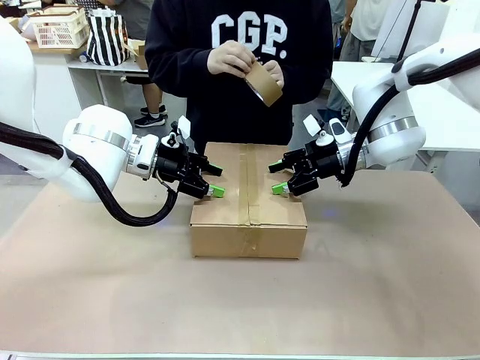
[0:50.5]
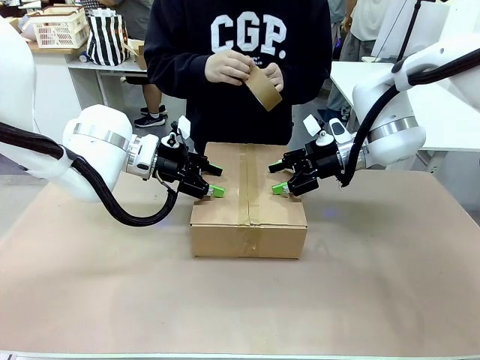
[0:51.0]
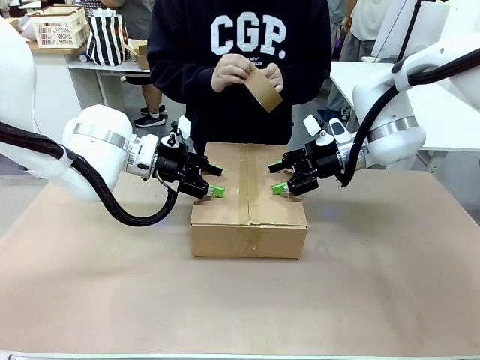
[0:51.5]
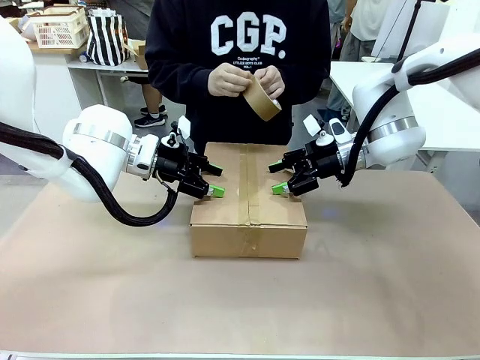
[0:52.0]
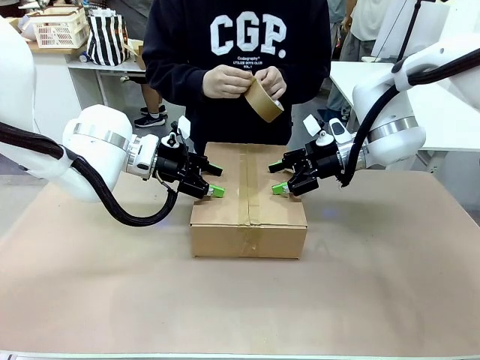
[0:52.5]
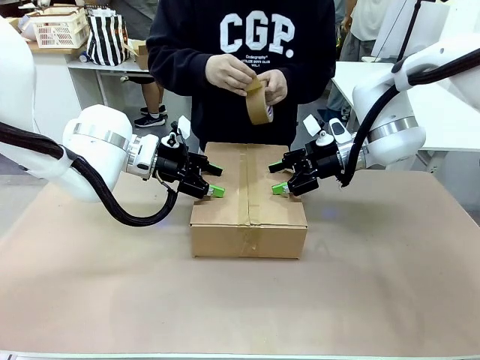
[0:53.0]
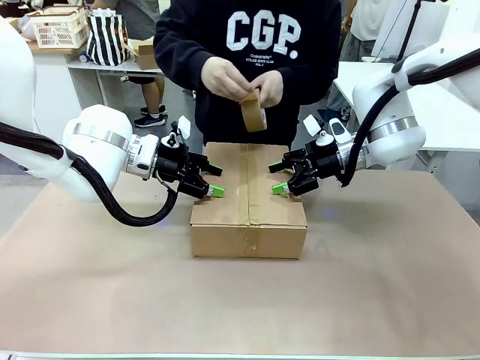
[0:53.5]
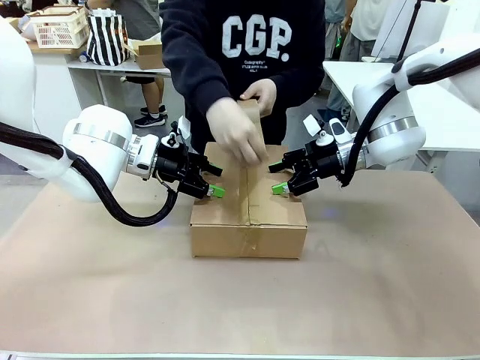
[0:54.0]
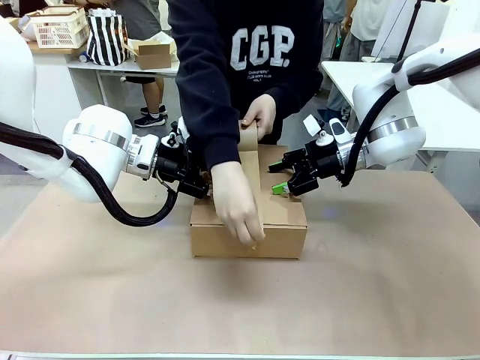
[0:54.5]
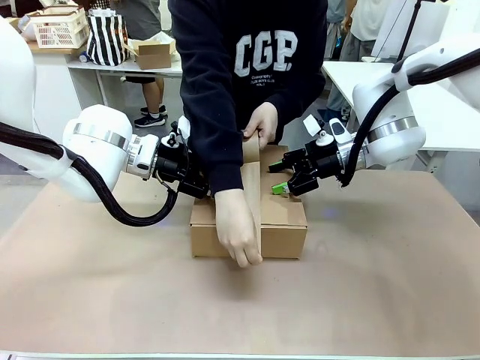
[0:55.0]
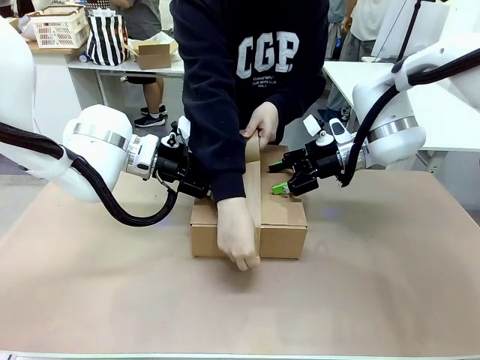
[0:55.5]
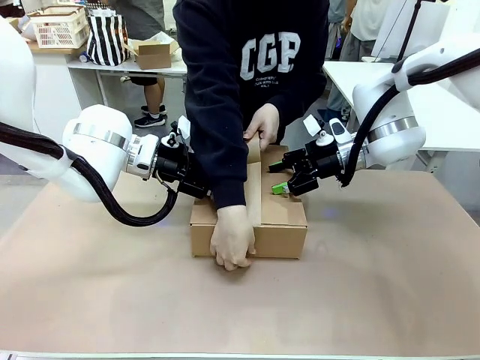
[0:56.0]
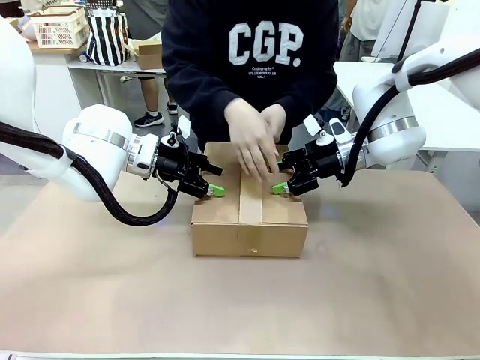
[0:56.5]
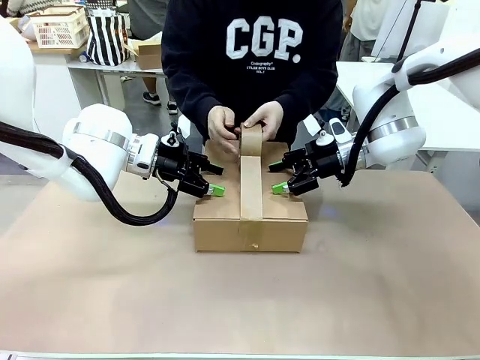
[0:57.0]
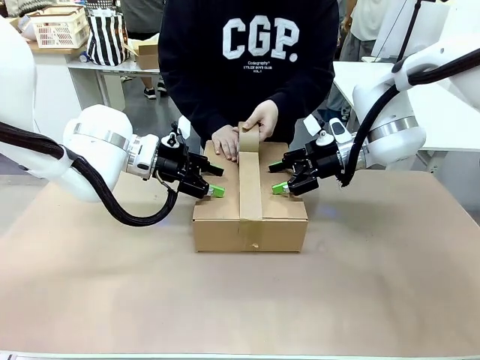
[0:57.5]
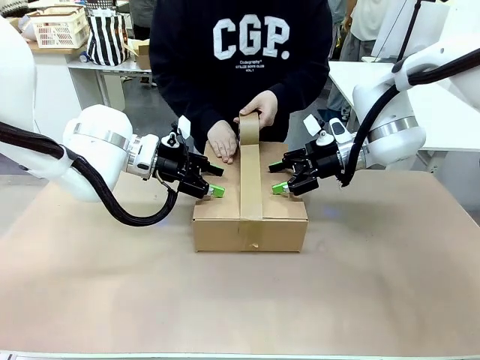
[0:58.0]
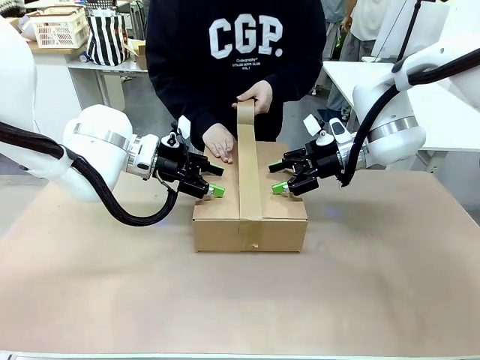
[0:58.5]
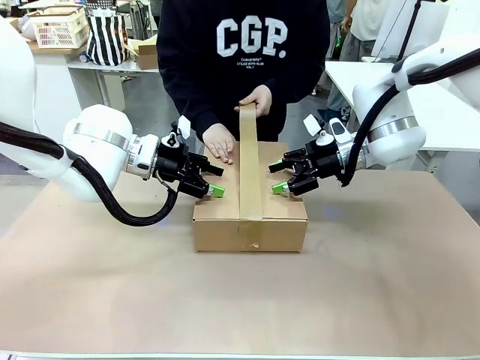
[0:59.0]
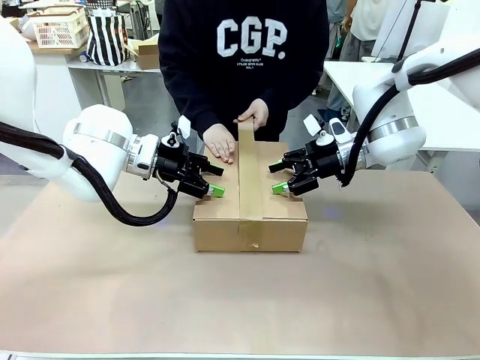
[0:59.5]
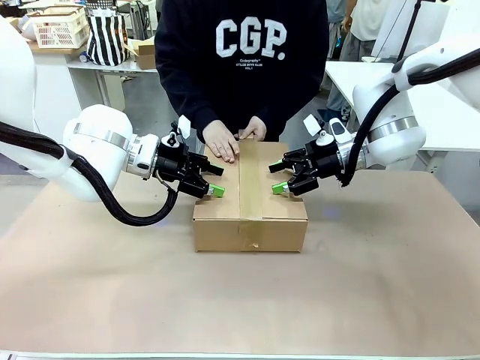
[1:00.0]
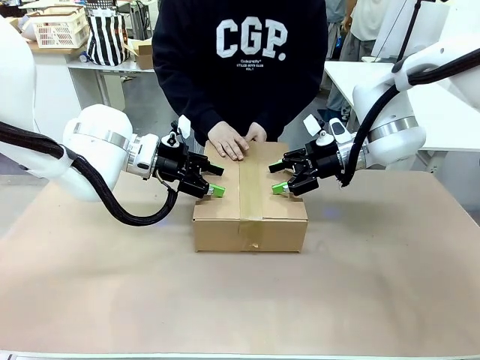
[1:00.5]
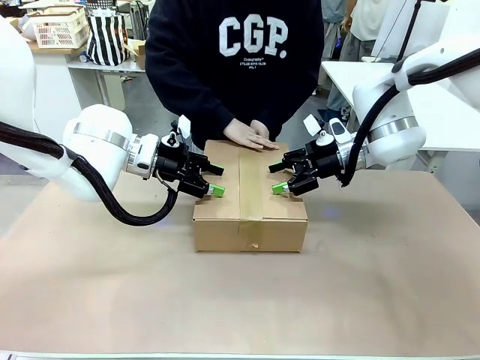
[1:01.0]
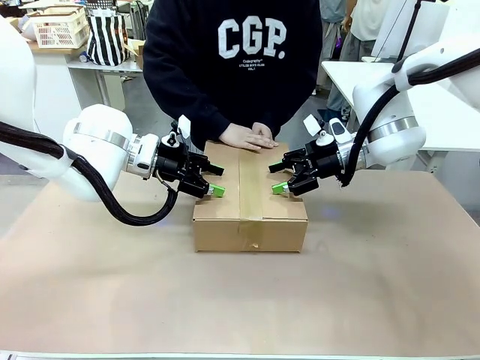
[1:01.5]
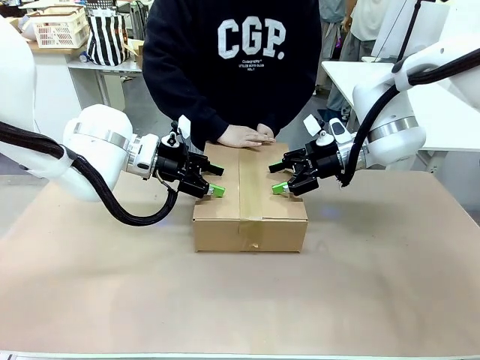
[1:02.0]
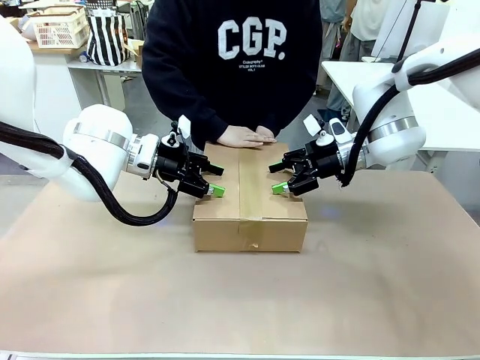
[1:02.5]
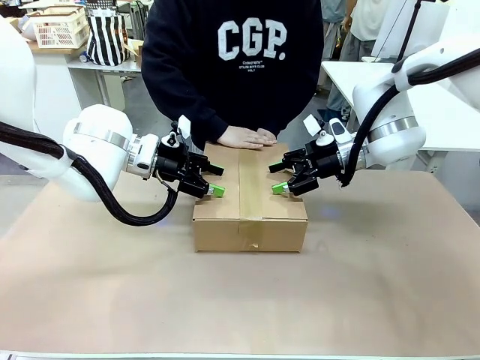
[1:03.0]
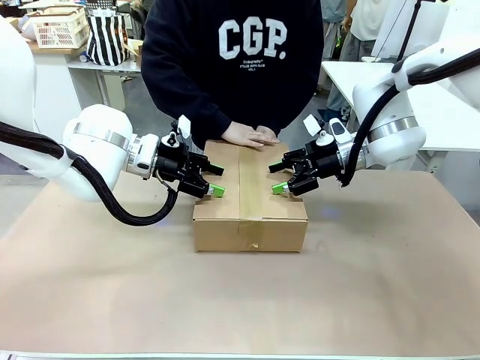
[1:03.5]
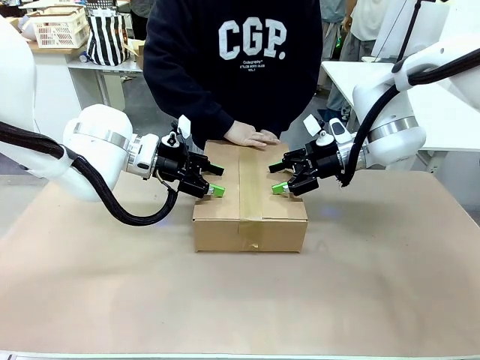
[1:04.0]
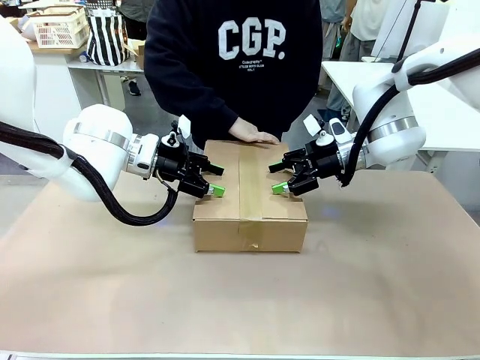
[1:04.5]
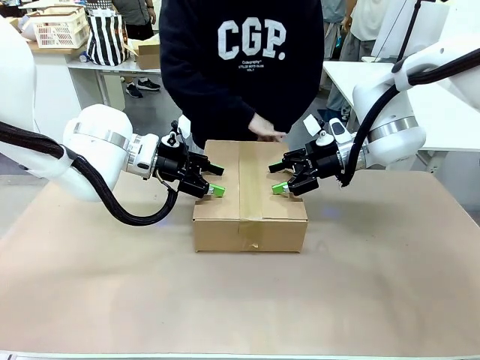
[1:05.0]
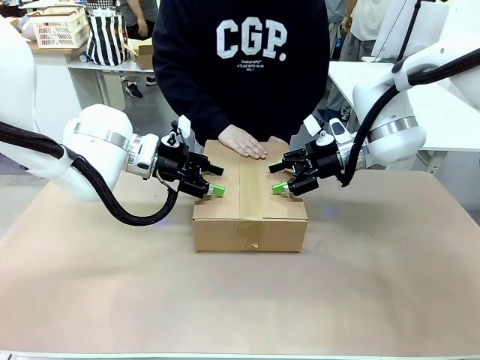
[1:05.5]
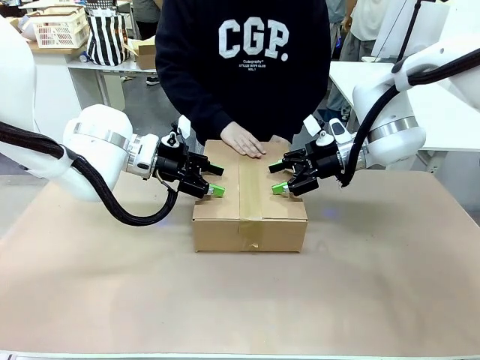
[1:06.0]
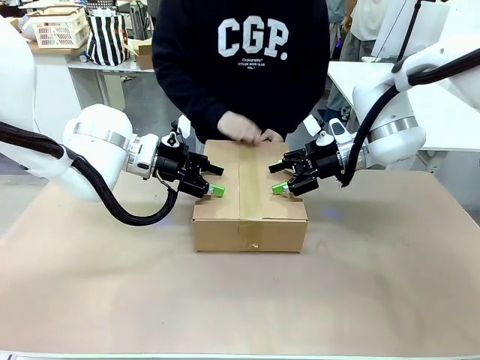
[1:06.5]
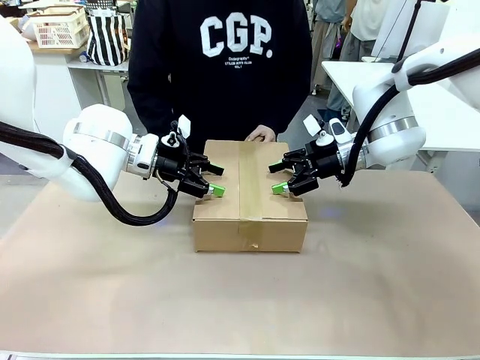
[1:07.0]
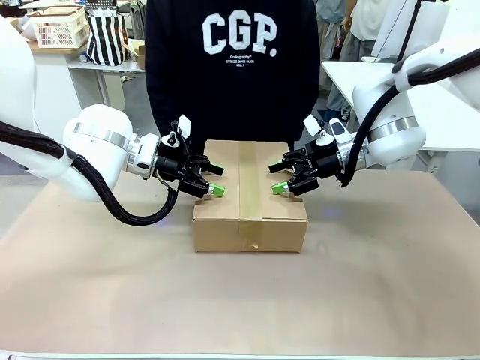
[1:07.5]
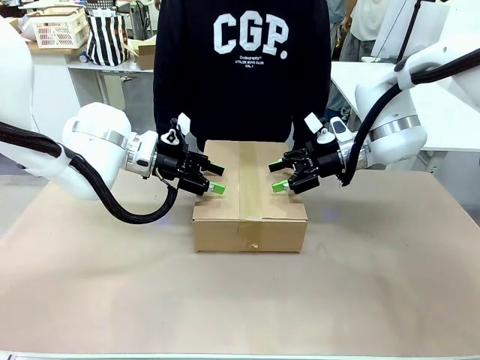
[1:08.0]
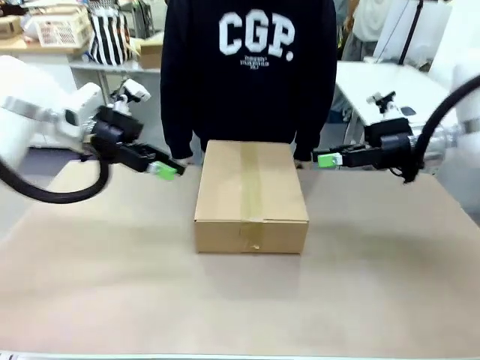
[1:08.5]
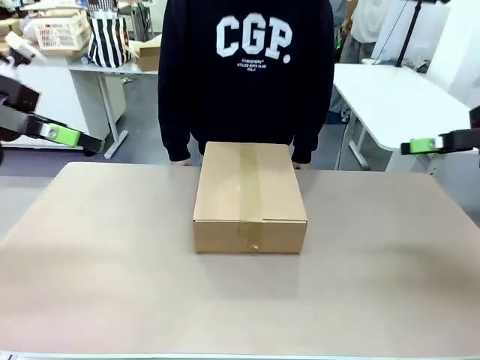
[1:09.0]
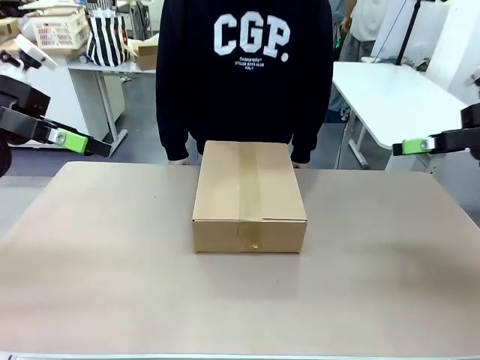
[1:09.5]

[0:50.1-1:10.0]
Task: Pack the gift set into the box.
Robot: Press and hold the closed box until the human finishes sealing it.
Person: The human picks up the paper tape from the human table and packs the box.

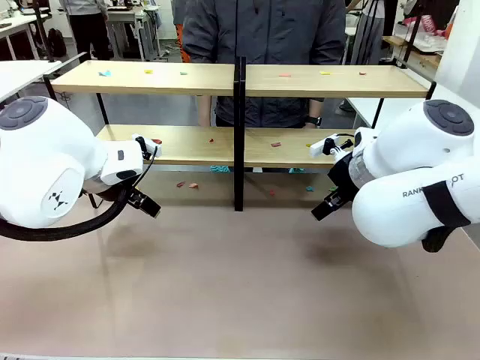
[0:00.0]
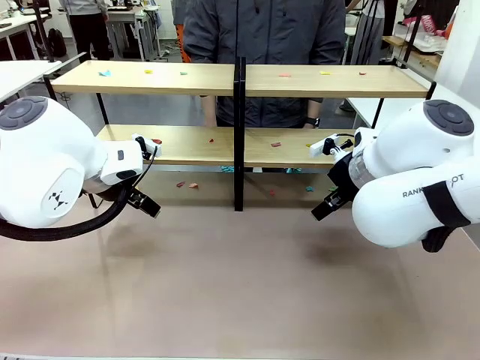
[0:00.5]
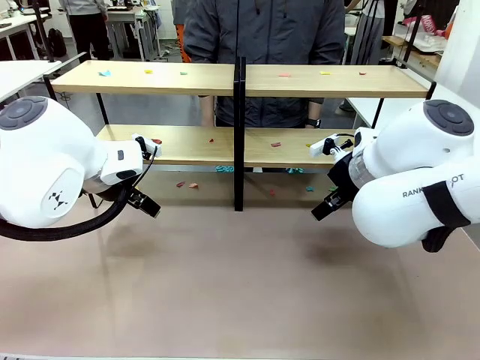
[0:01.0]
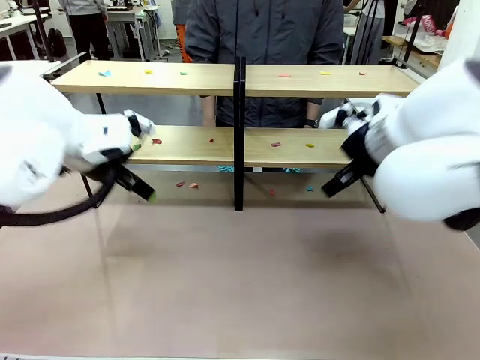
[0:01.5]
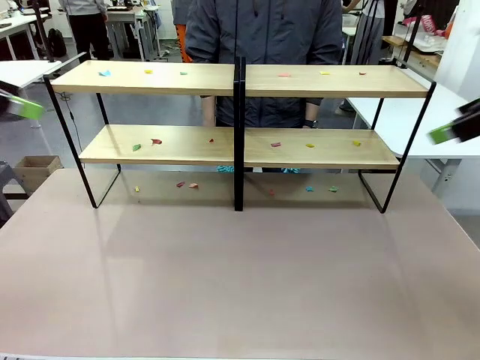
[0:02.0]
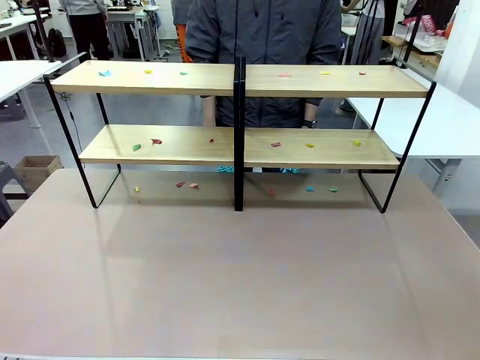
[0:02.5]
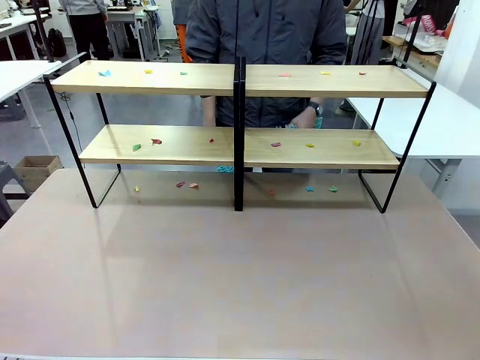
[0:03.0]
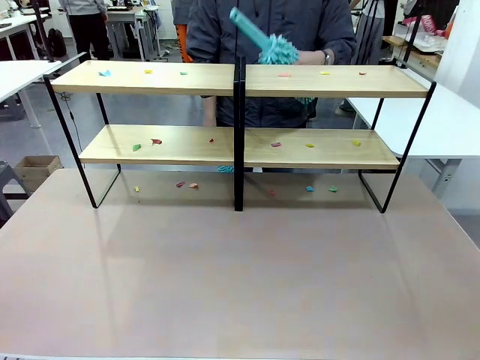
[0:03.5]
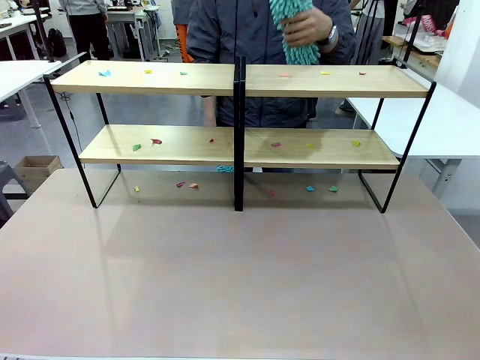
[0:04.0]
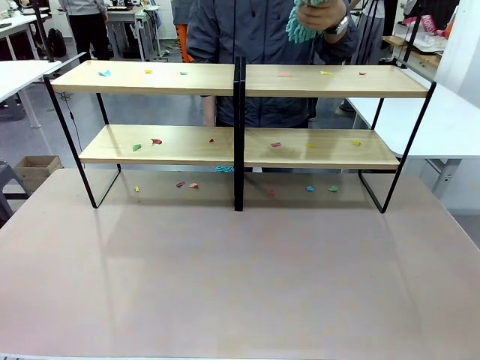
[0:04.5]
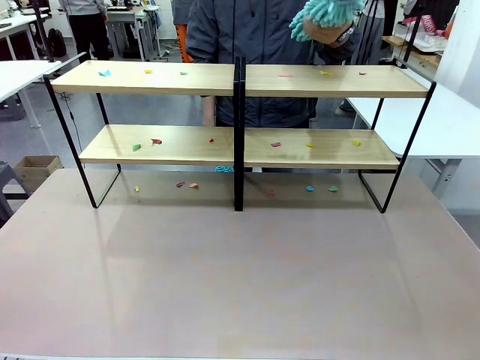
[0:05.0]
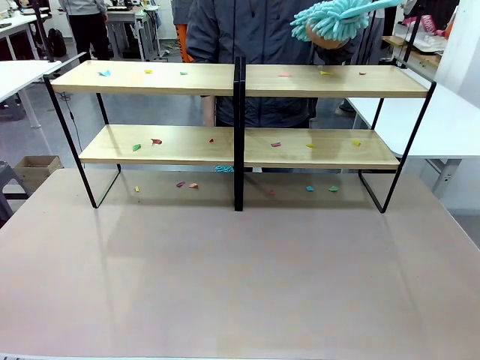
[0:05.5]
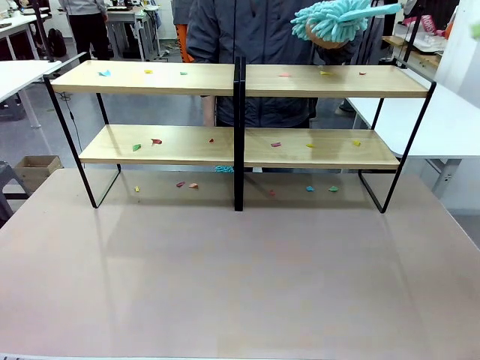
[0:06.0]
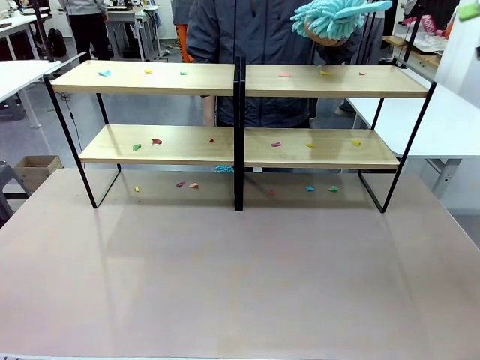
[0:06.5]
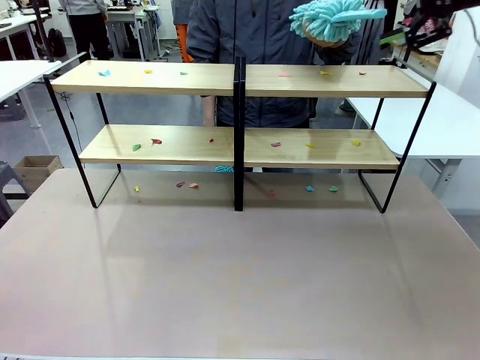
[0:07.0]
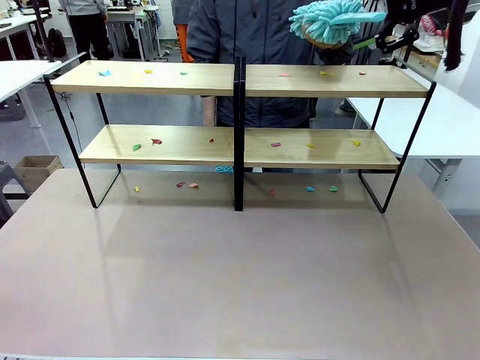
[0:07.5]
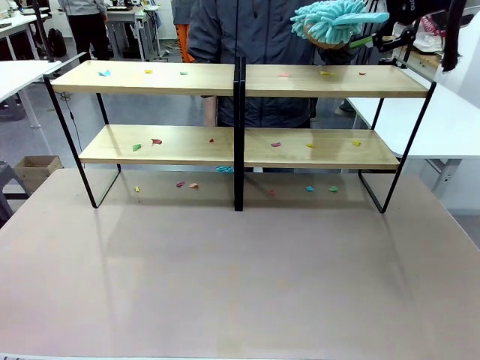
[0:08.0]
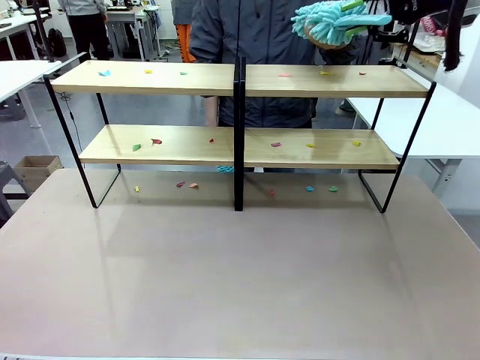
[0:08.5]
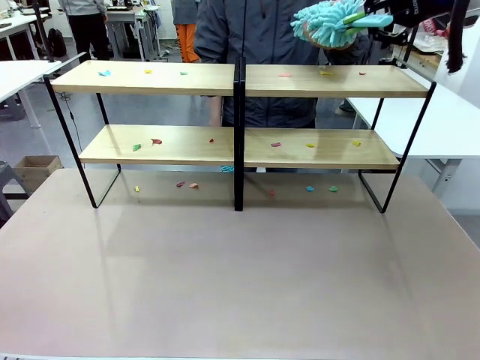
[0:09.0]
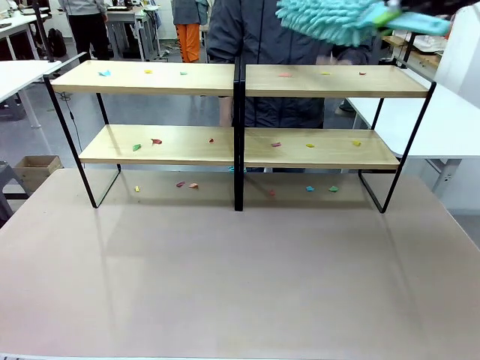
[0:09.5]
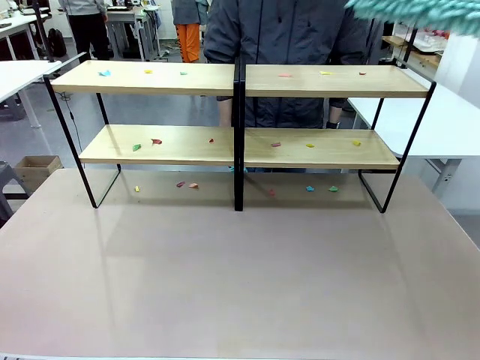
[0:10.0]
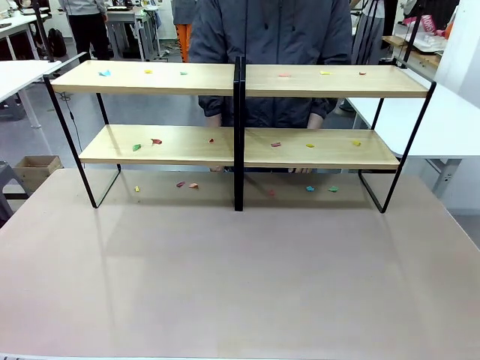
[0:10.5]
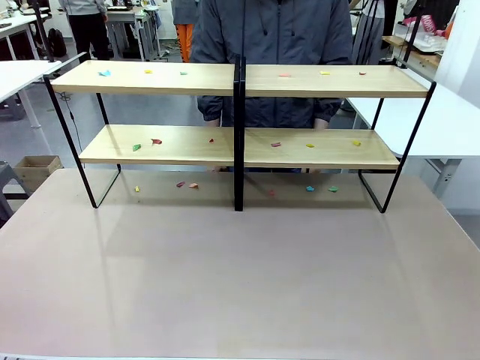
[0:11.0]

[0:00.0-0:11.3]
Task: Clean the shelves.
Robot: Pick up the Duster when the human hands it over.
Person: Hand the Duster to the robot with your right (or left) hand.
